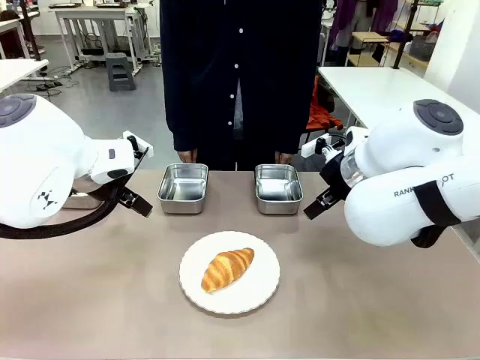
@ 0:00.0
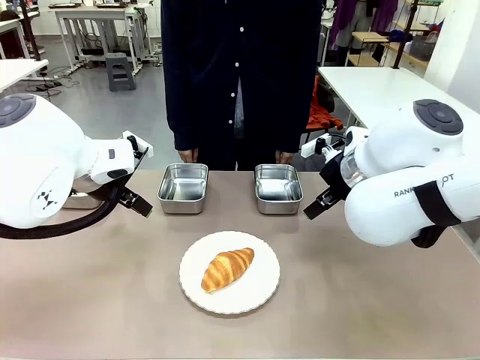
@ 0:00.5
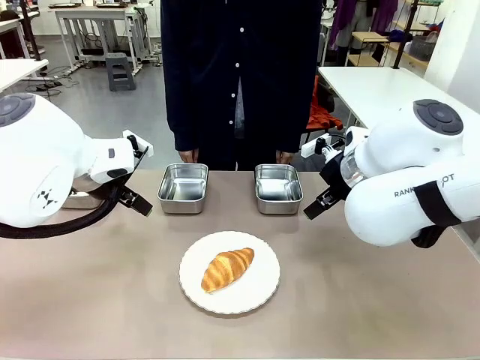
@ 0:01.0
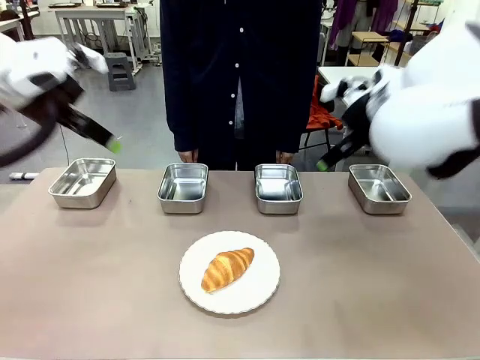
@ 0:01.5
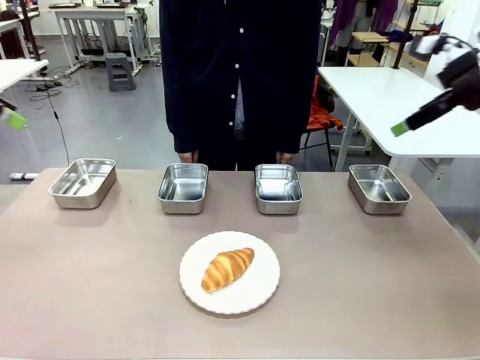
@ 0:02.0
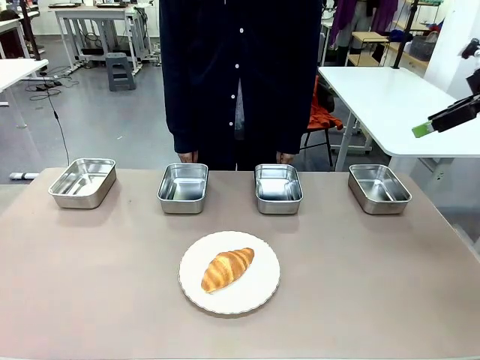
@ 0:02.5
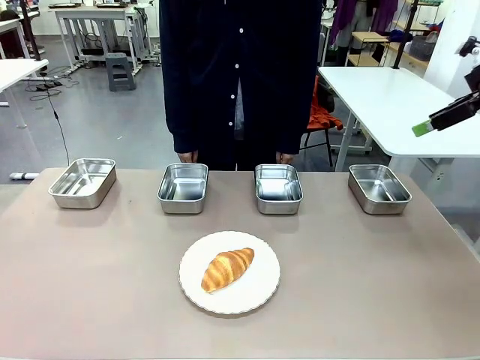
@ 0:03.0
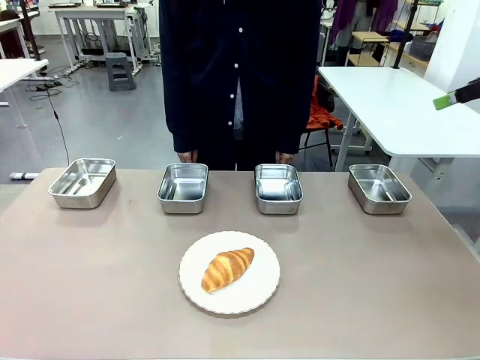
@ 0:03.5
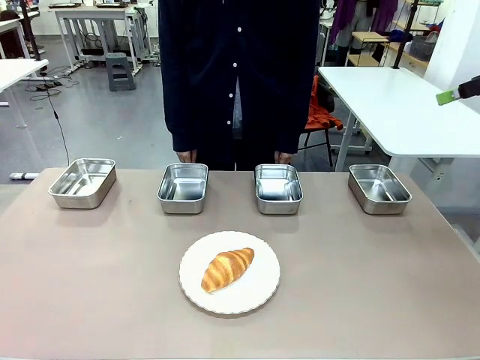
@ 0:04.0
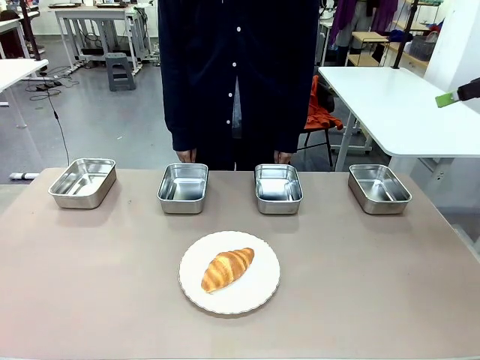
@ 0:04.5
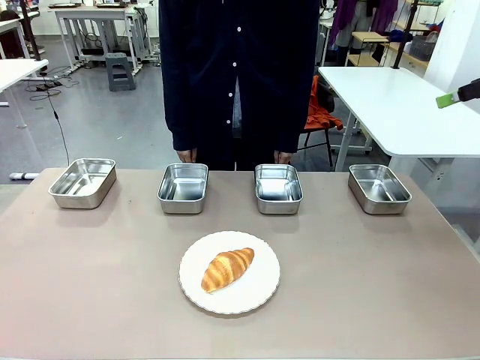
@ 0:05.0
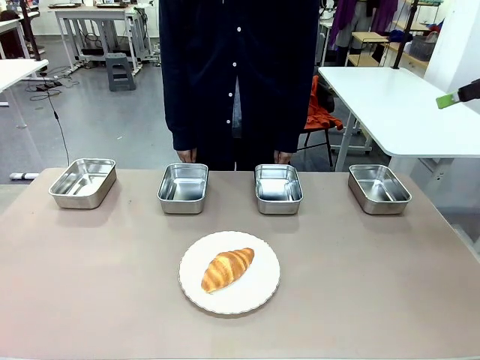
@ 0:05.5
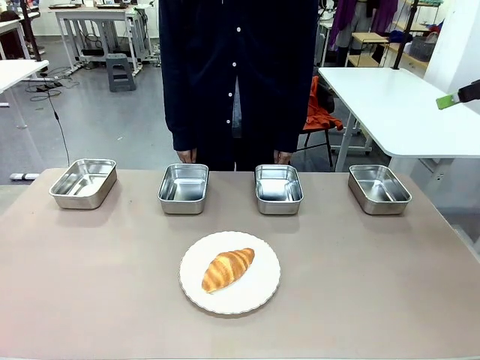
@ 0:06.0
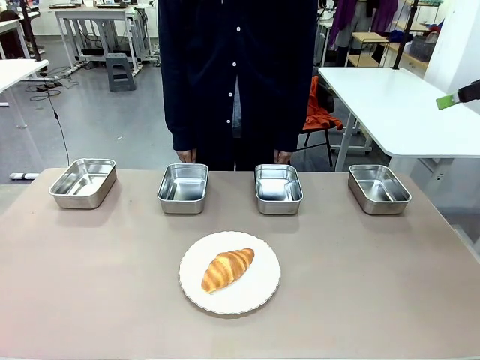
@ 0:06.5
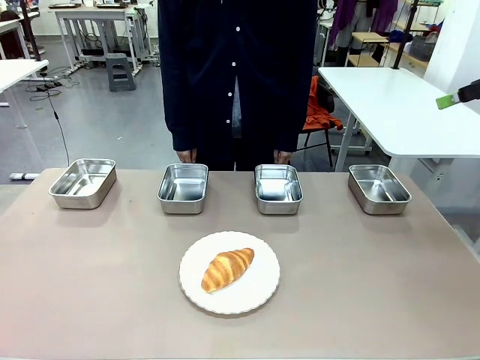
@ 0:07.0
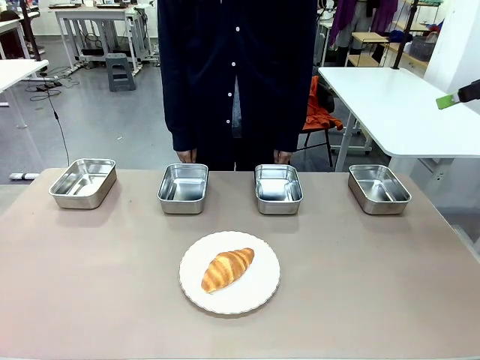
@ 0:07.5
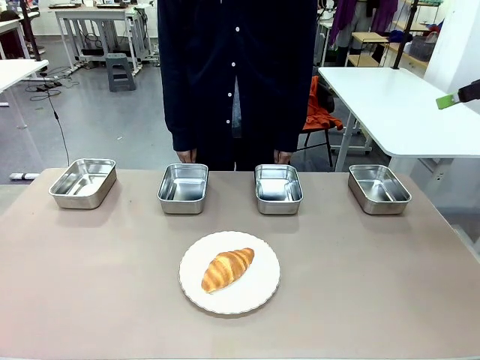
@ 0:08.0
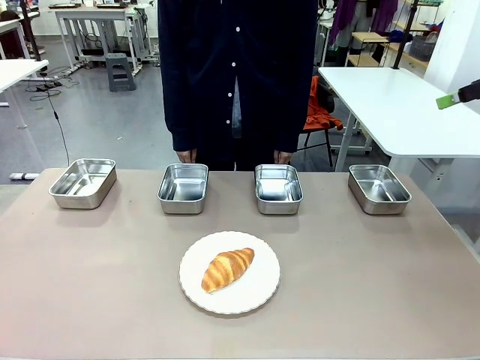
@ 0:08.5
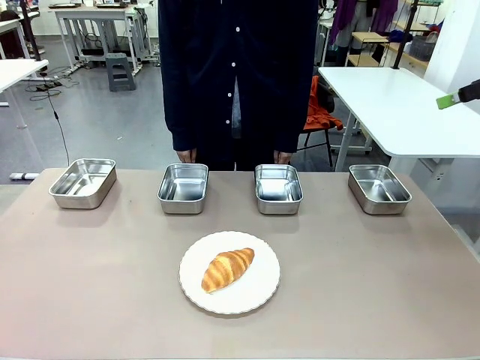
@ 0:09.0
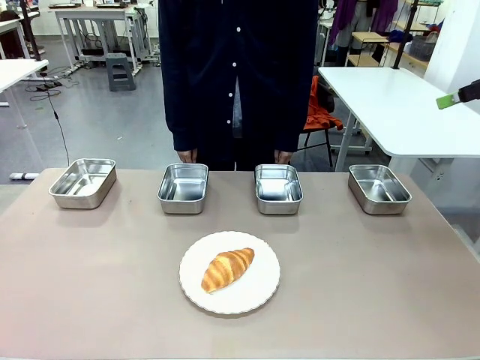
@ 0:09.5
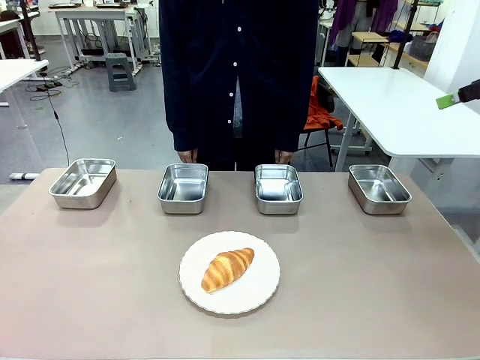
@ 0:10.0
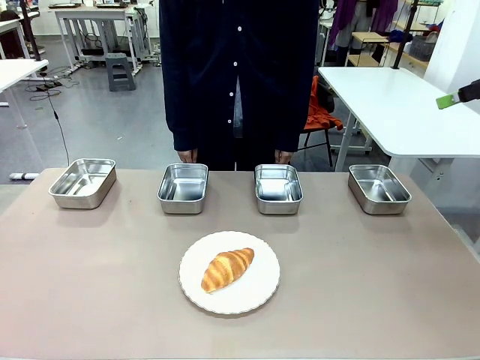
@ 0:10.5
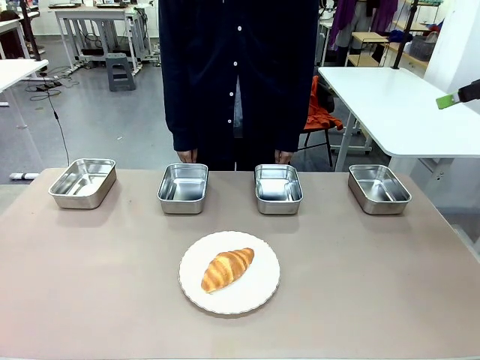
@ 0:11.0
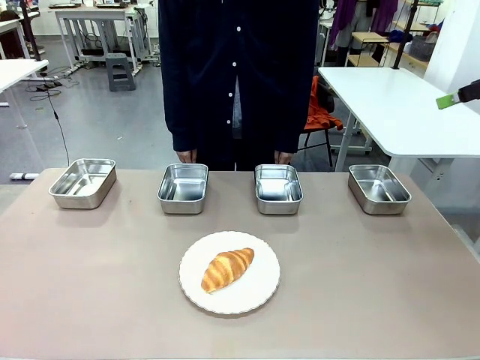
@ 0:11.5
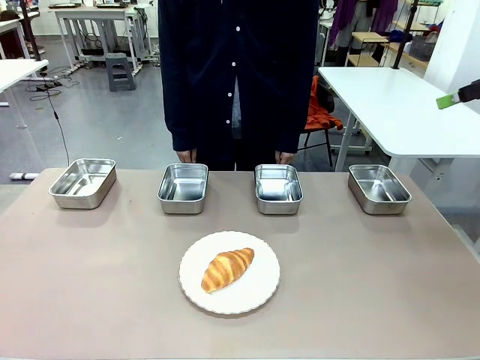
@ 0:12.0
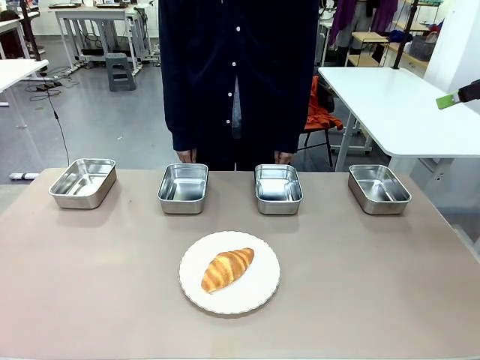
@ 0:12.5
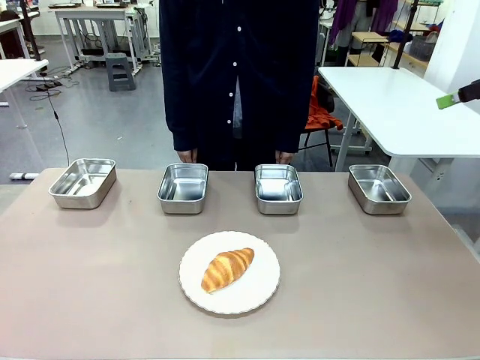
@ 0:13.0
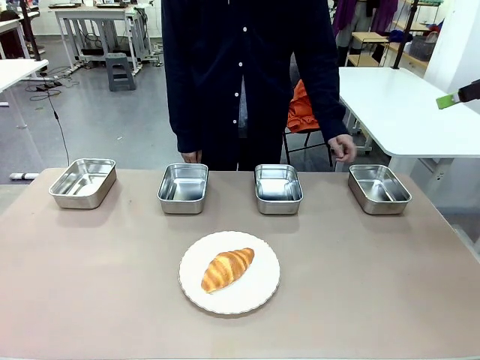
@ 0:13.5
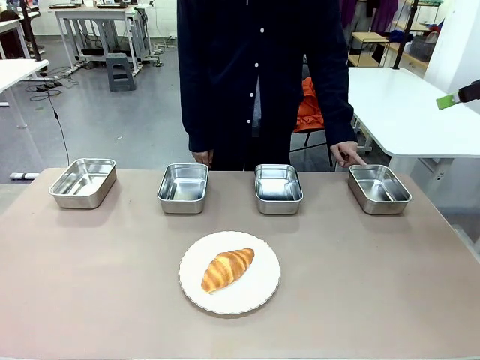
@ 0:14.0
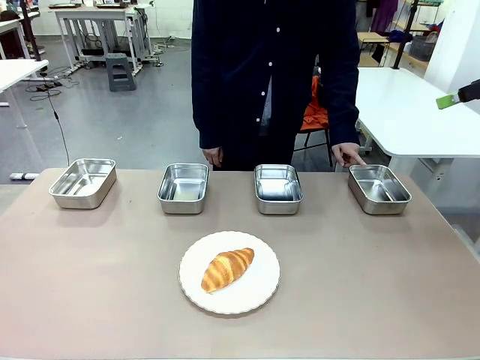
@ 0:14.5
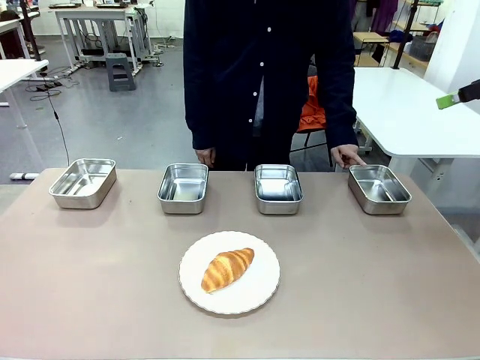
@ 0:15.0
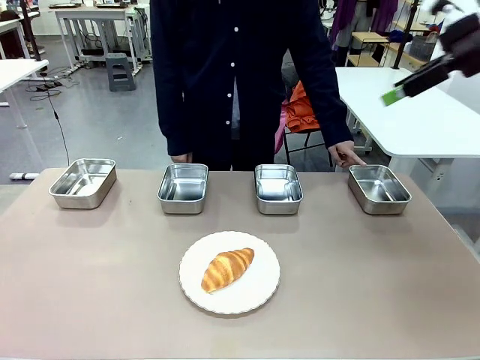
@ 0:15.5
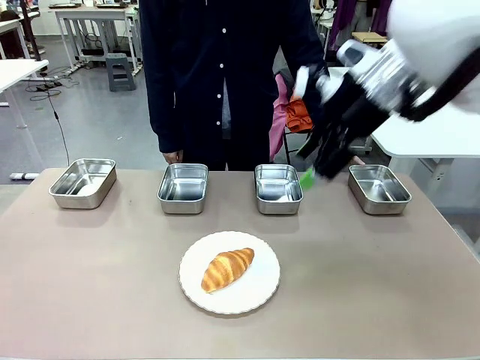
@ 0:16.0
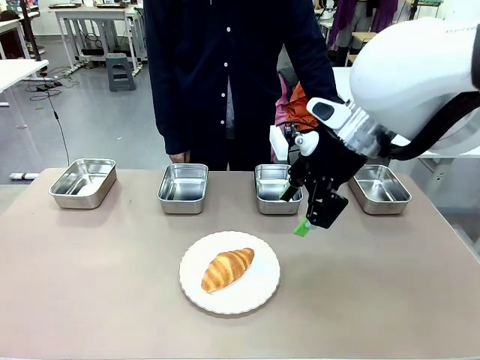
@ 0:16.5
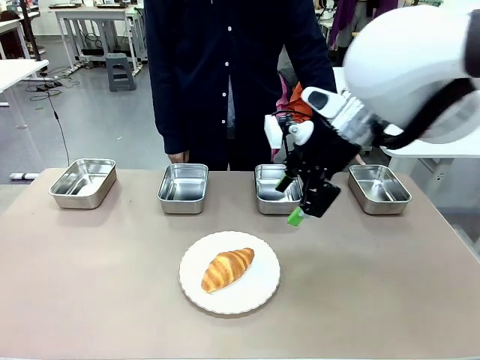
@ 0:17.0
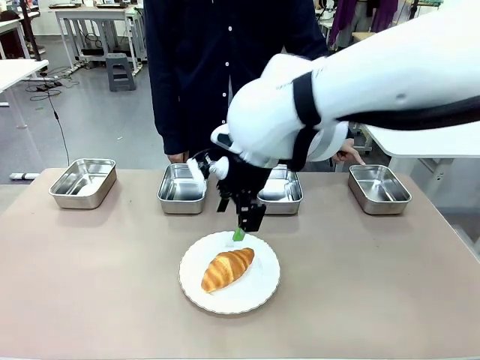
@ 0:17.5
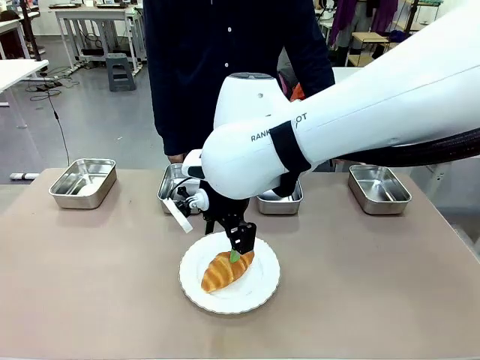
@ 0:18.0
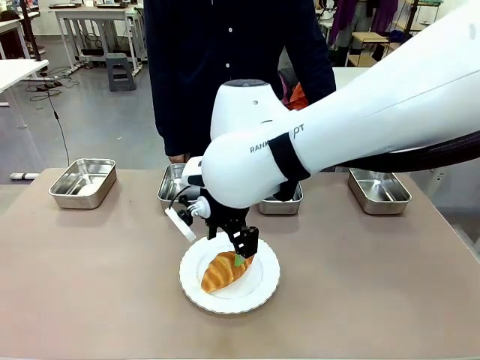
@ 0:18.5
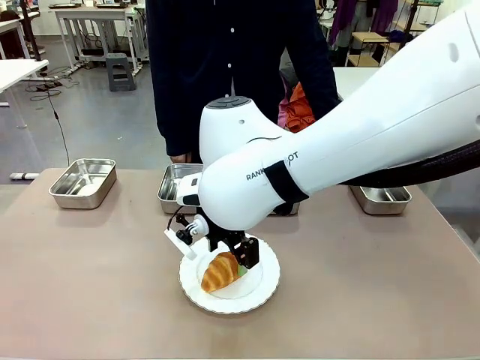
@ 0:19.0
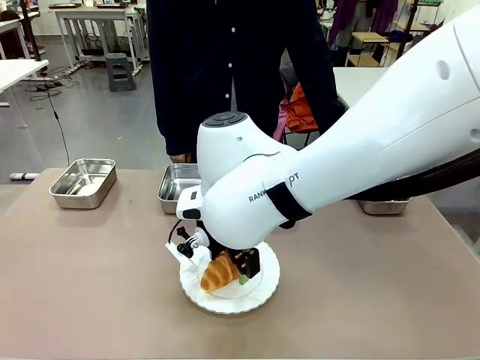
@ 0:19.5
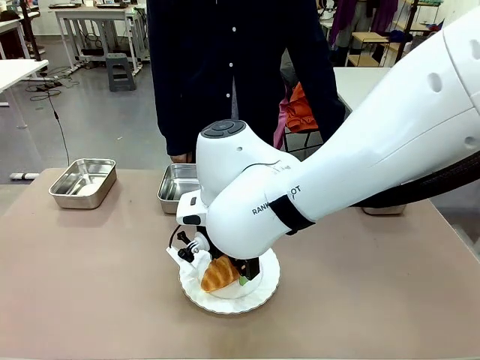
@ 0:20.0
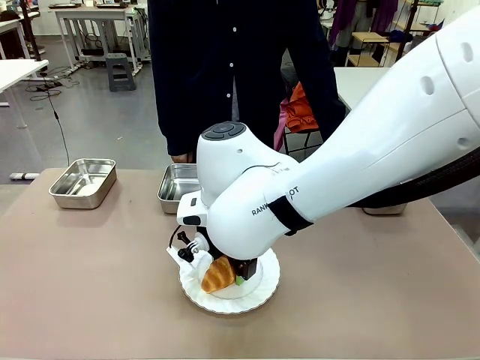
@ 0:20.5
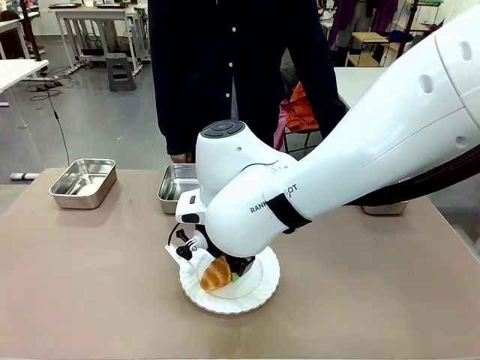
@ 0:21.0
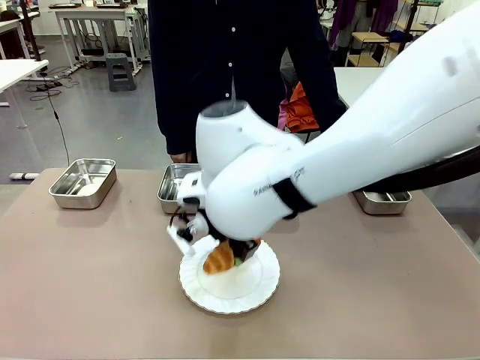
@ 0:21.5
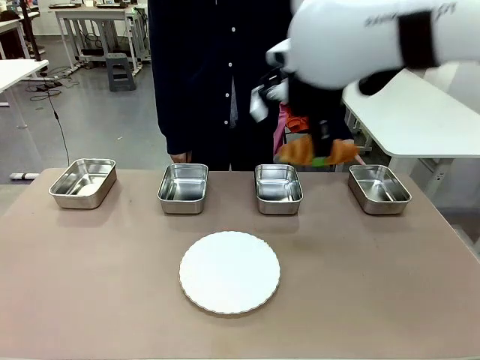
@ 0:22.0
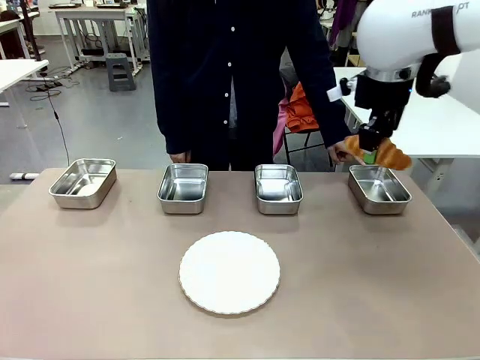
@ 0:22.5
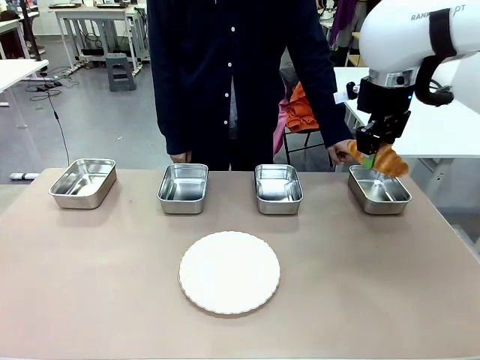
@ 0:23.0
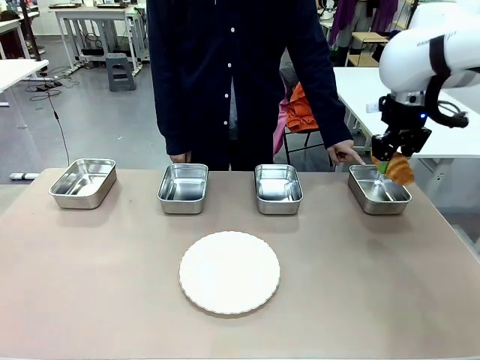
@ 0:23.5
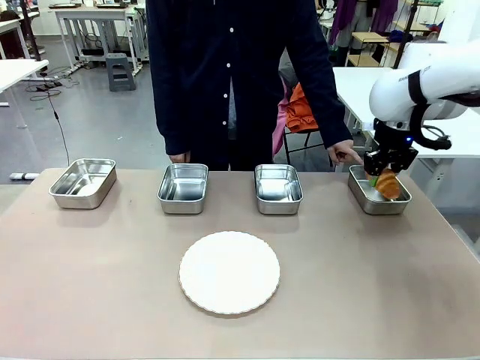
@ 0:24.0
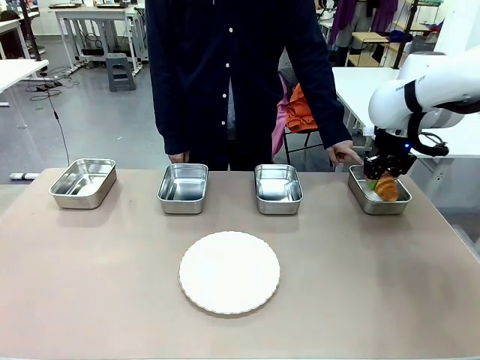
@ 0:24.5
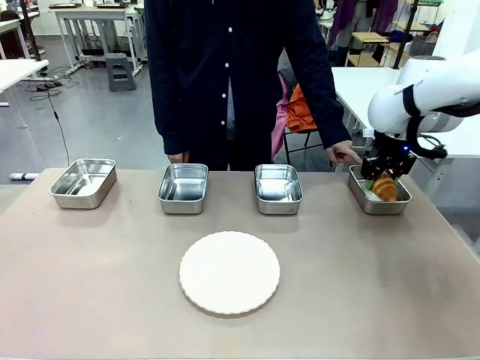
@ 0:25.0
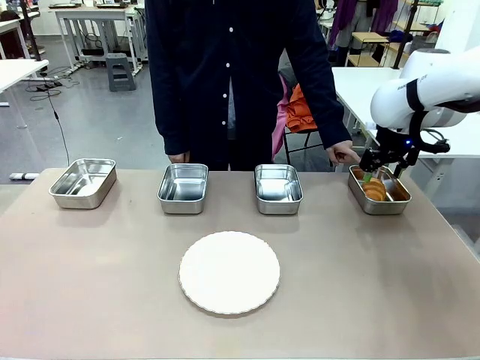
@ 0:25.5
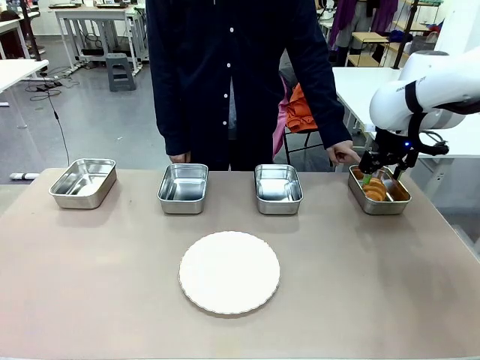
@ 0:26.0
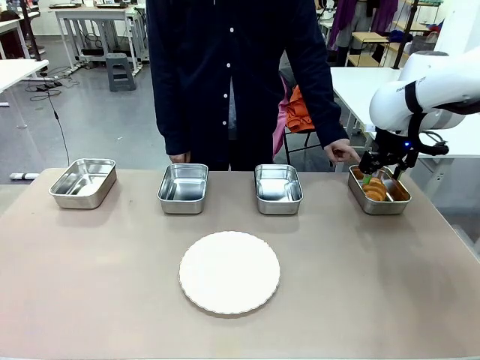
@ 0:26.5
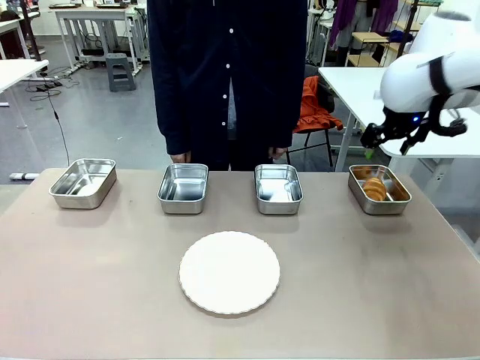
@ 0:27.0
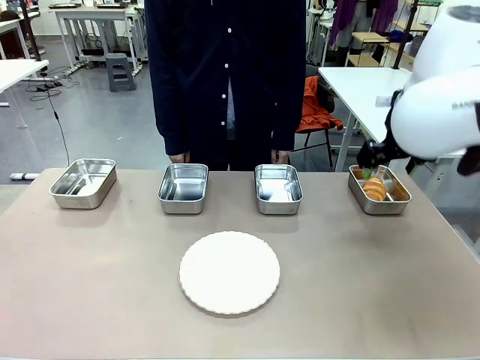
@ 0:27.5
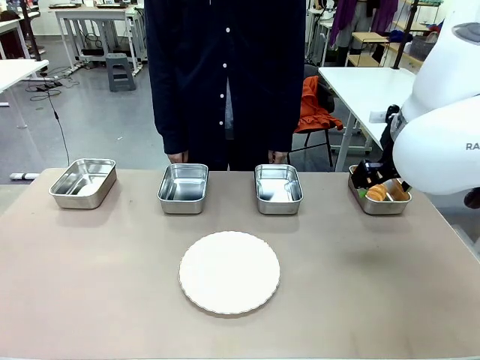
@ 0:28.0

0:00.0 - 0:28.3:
Task: Place the bread in the container.
Robot: Place the Butter Roll into the Airtight Container indicated by the human.
Person: A person randomly selects and points to an Airtight Container.
